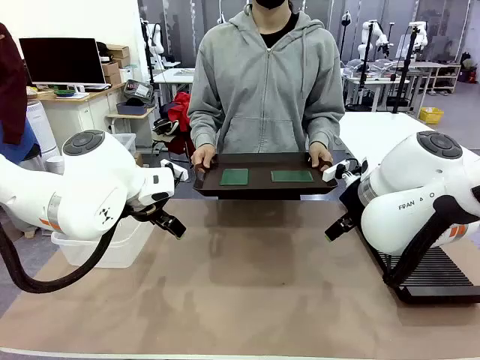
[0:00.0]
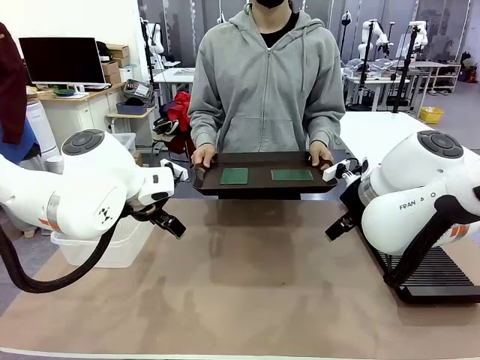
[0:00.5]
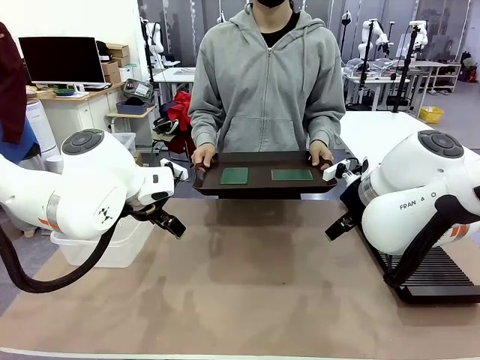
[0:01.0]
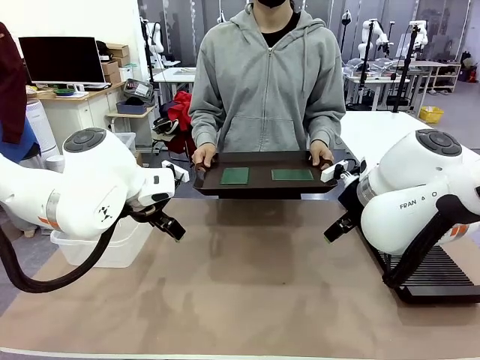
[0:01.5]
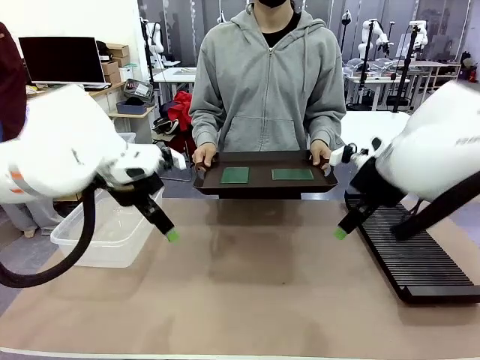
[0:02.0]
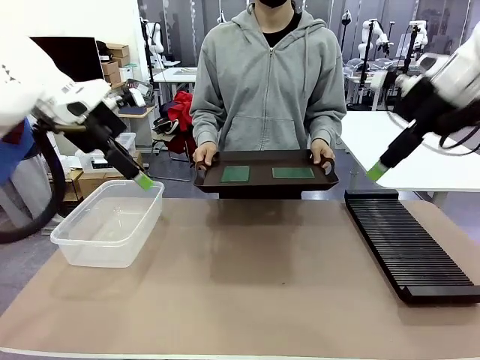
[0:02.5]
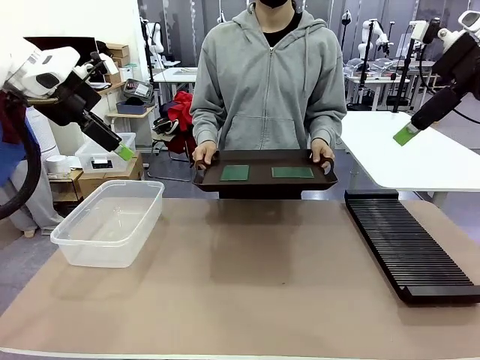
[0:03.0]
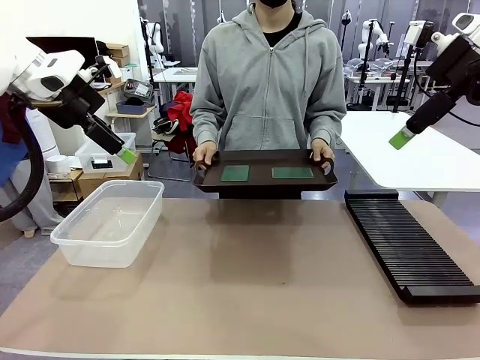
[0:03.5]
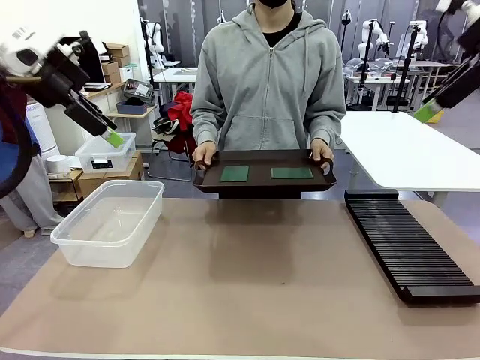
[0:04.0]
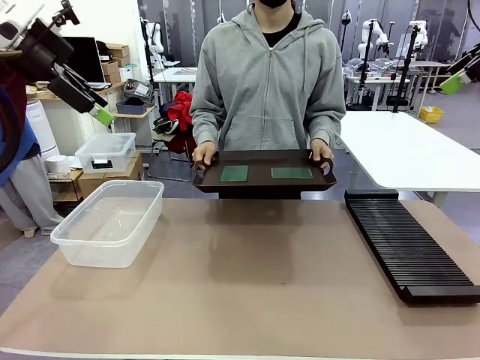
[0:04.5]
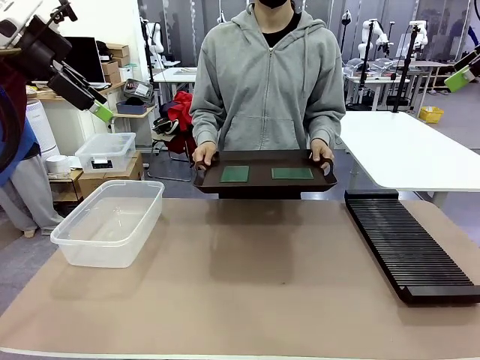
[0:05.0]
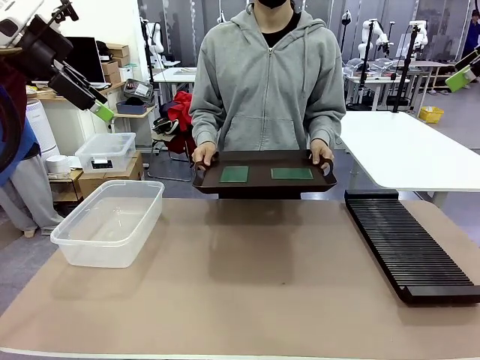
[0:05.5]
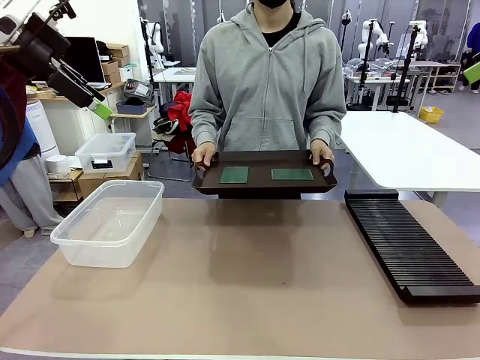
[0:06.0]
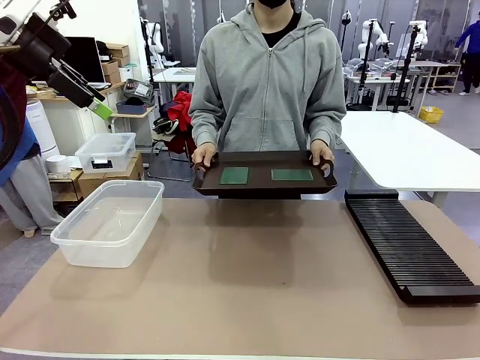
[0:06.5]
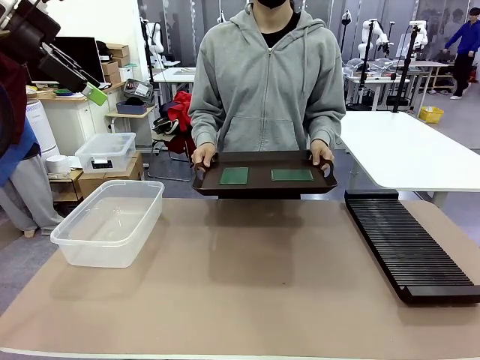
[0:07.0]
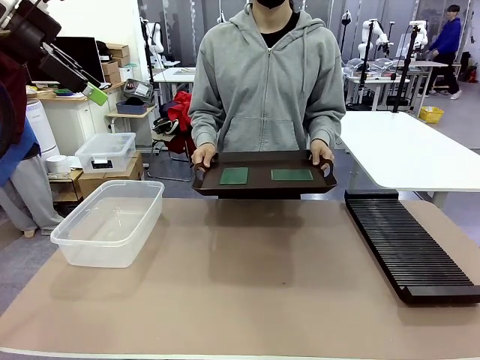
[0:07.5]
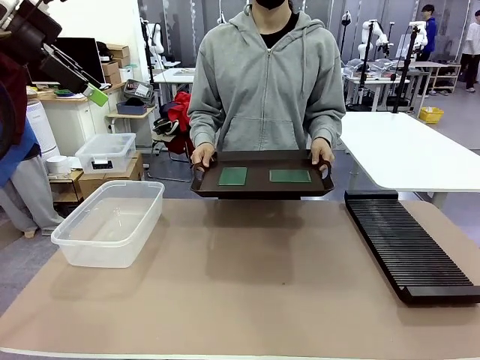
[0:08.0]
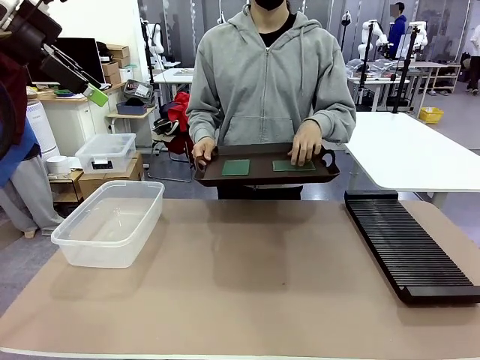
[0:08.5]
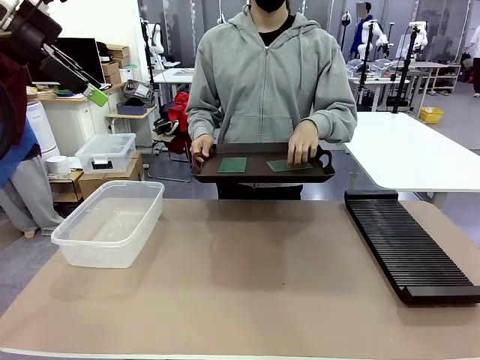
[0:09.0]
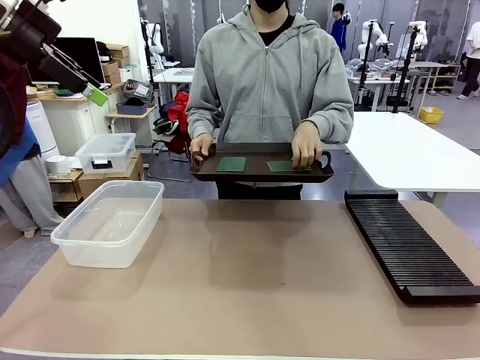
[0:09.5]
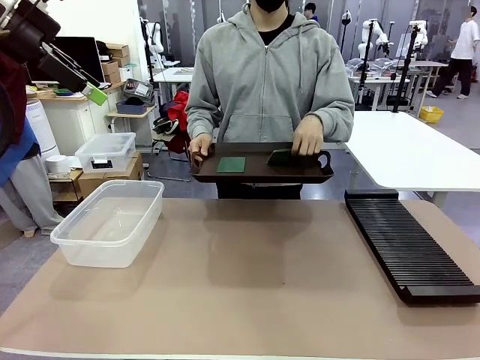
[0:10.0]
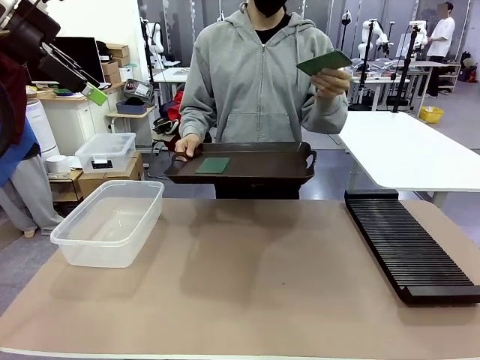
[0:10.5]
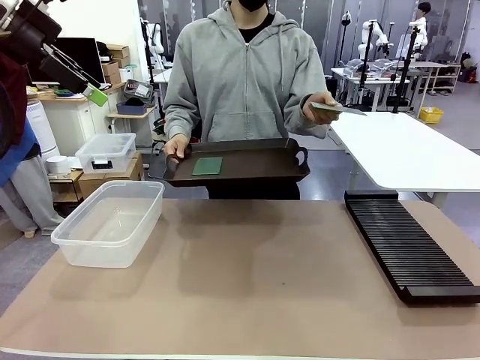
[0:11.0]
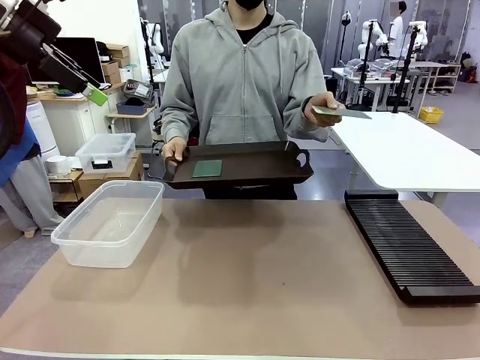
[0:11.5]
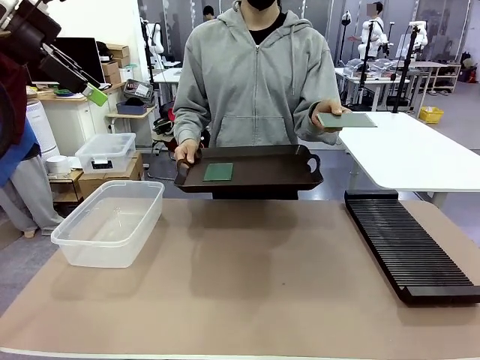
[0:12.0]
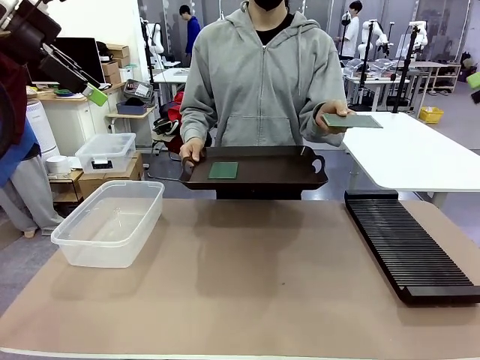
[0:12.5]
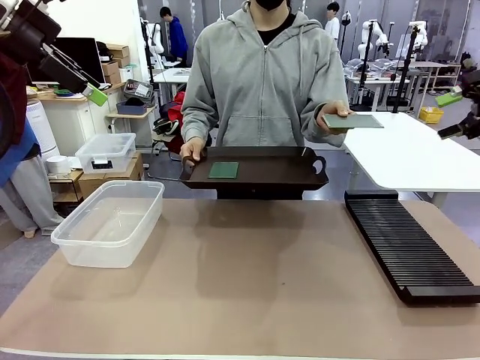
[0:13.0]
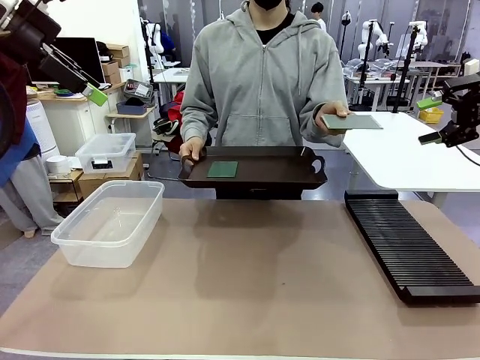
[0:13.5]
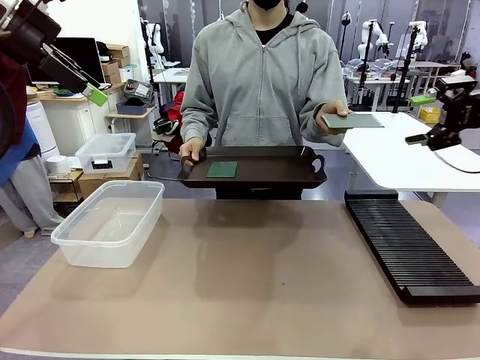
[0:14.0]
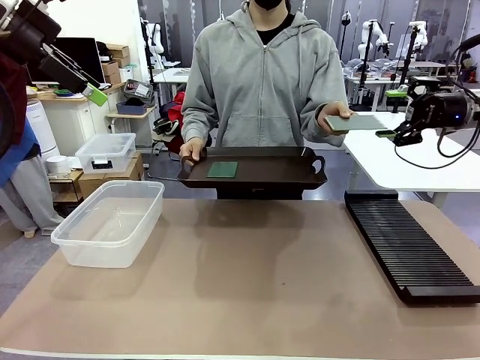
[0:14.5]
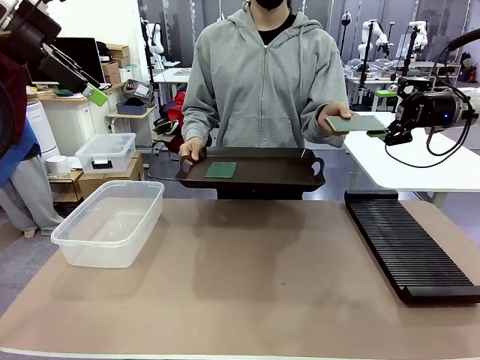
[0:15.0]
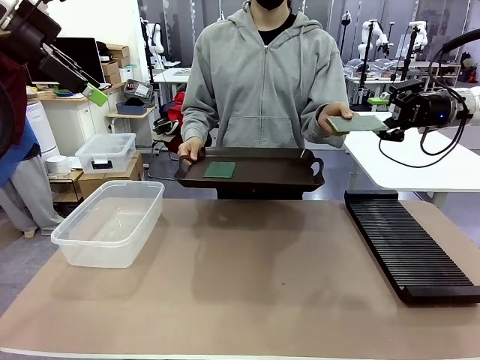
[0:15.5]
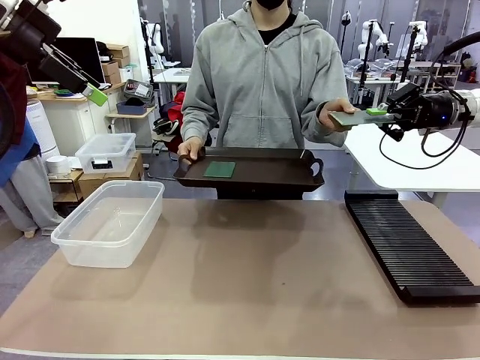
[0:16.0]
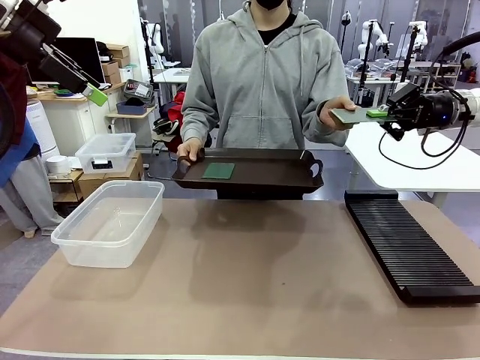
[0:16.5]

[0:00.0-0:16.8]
Task: Sort PCBs into racks and boxes based on the side picked up.
Robot: Pick up the Blank PCB handed by the Human.
Person: Pick one PCB from the tray and present it to the robot. Release the PCB being held.

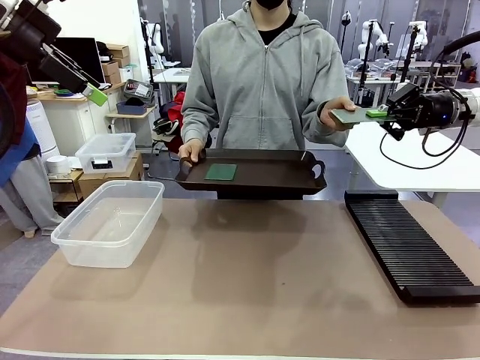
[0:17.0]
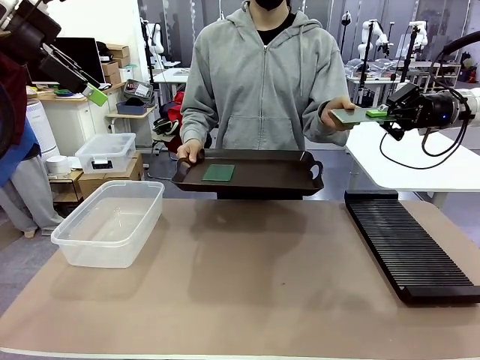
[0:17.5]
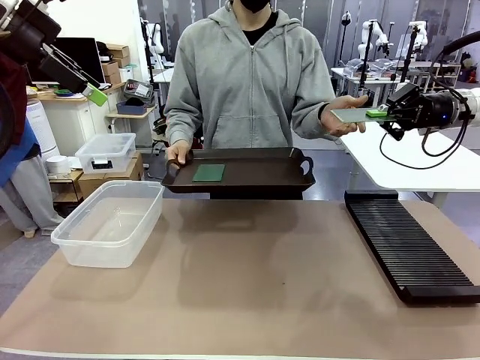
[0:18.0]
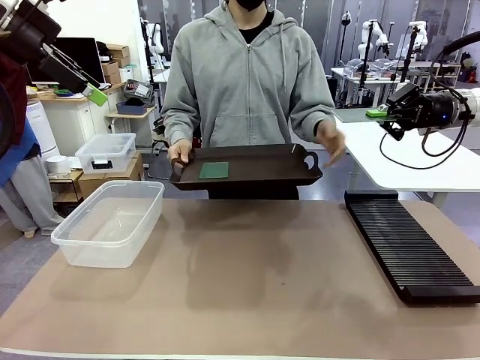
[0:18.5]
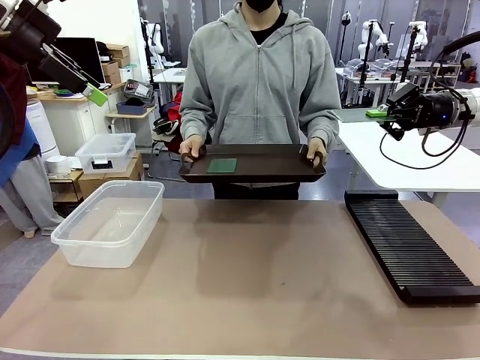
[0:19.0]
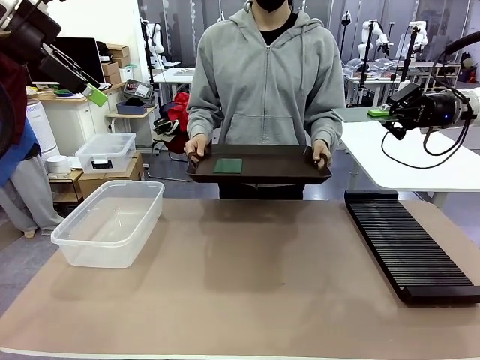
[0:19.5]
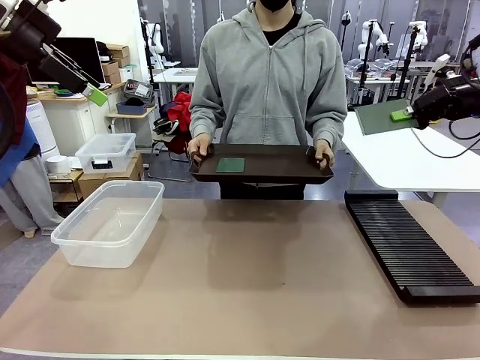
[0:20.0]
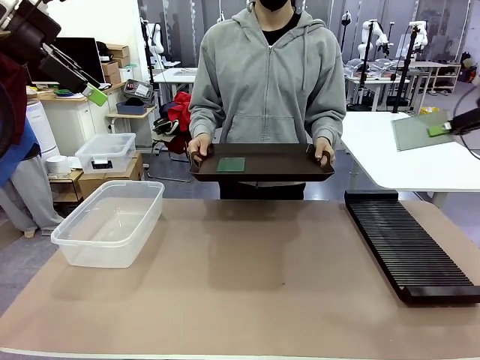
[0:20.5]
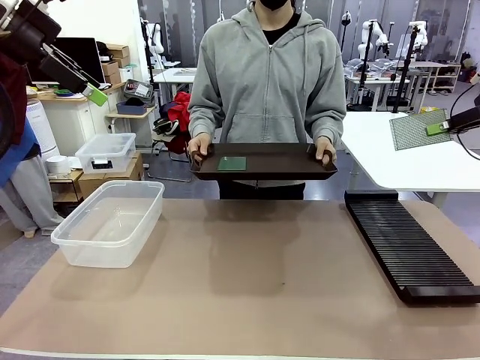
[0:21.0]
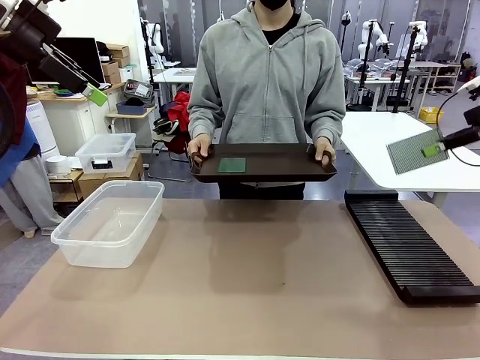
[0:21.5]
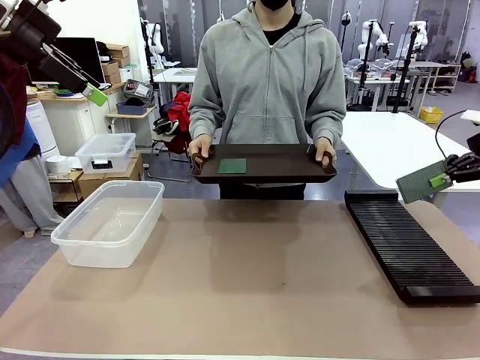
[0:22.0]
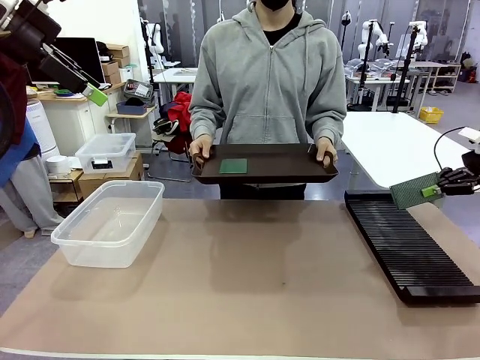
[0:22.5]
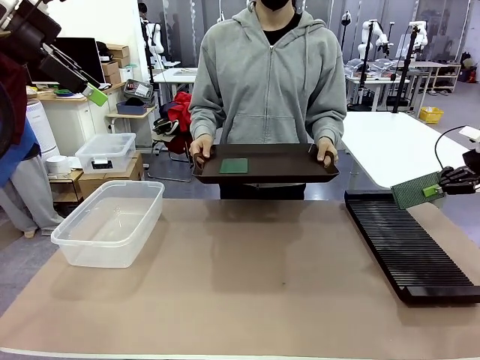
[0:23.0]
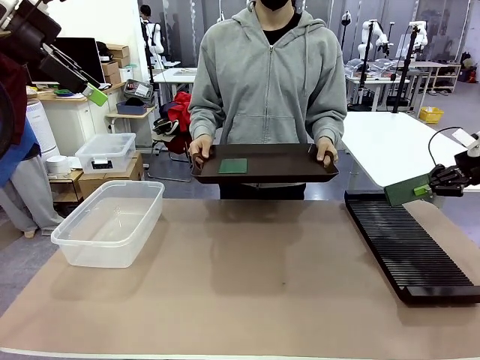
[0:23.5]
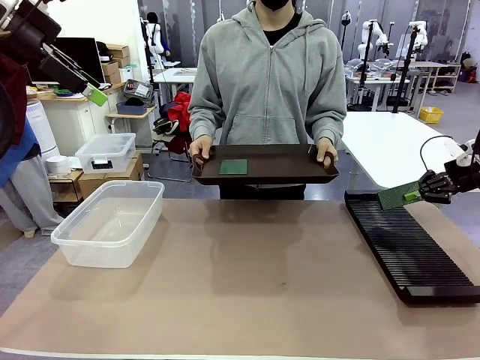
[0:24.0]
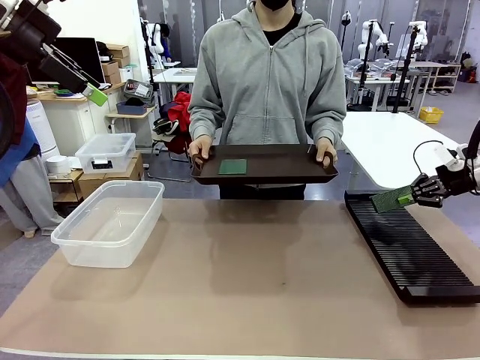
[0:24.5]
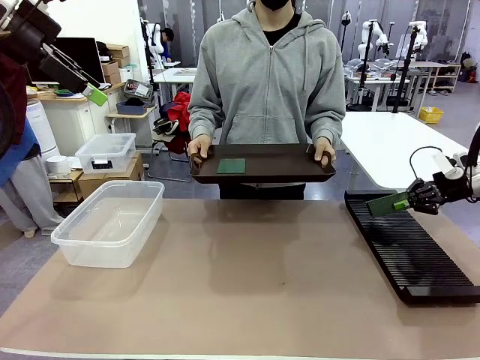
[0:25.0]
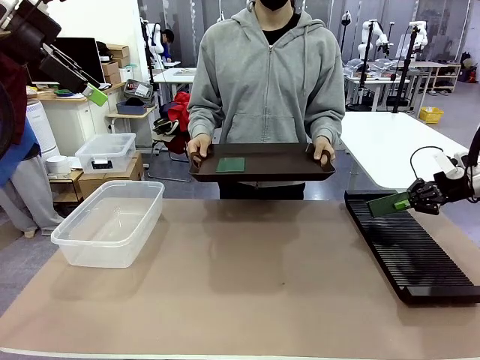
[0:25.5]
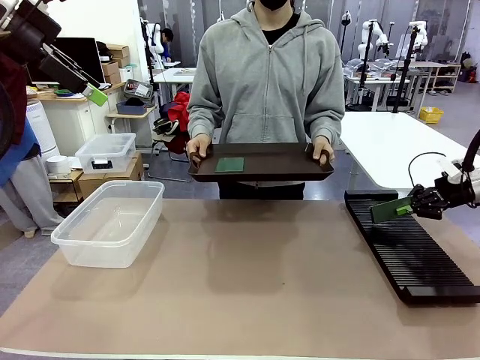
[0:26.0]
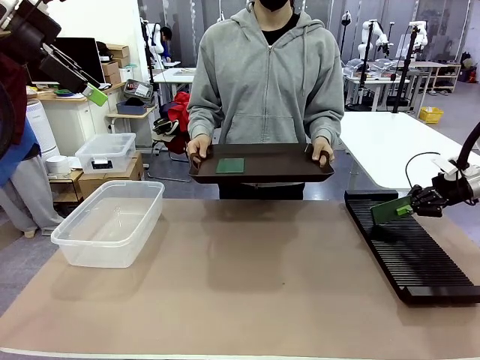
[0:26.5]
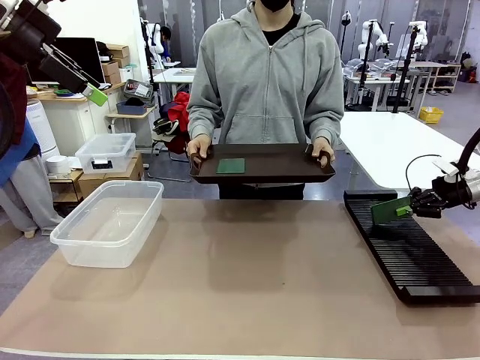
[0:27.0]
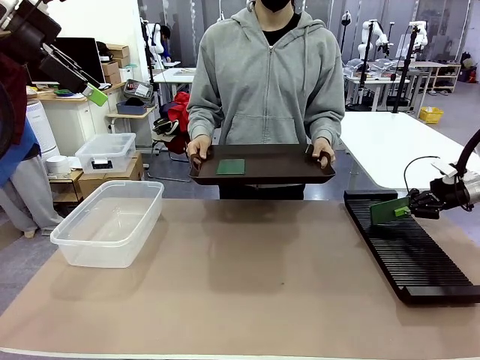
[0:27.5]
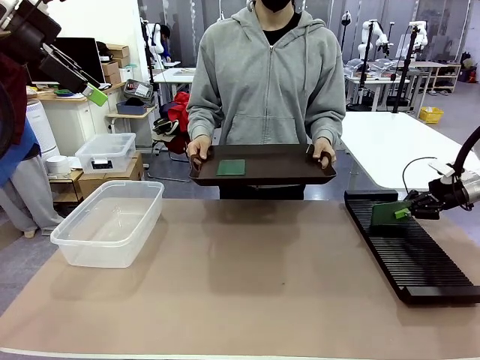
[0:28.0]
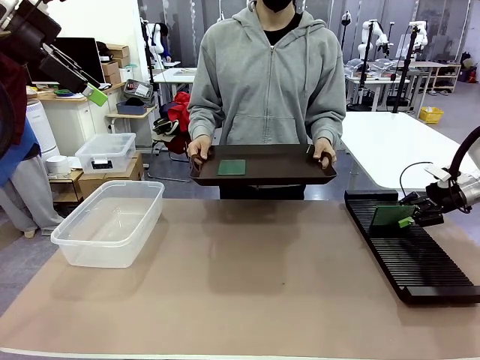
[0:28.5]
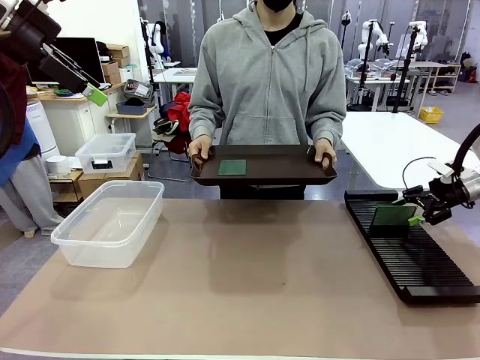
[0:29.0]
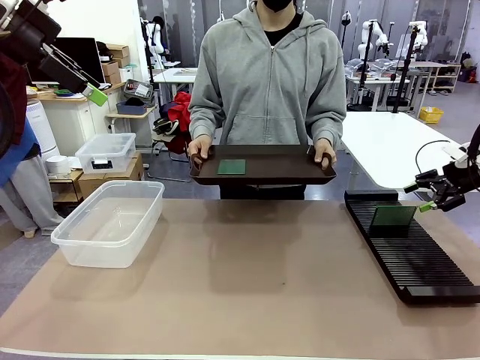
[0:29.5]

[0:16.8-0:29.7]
Robot: If the short side of the Blank PCB is picked up, insert it into the PCB Rack ; if the long side is picked up, place it in the Organizing box.
Person: Pick one PCB from the tray and present it to the robot.
